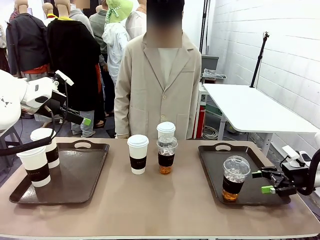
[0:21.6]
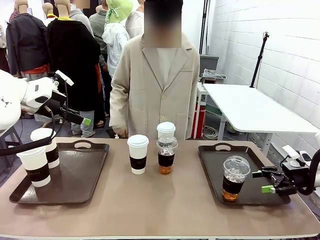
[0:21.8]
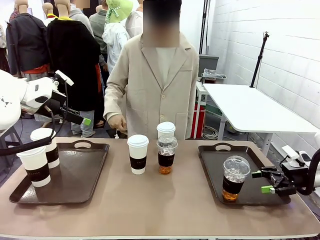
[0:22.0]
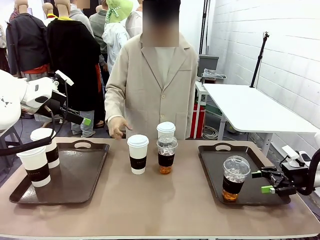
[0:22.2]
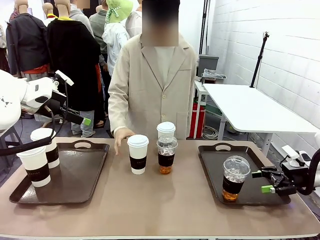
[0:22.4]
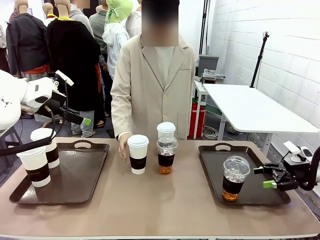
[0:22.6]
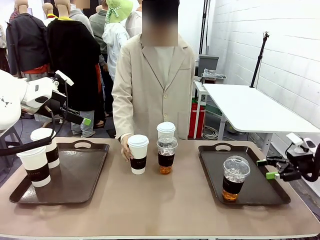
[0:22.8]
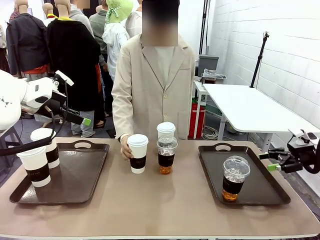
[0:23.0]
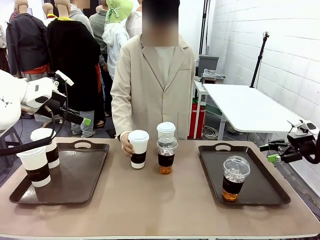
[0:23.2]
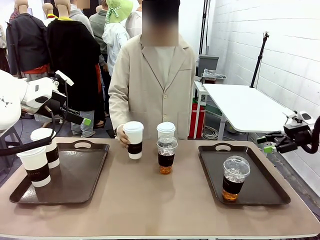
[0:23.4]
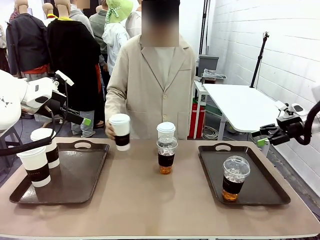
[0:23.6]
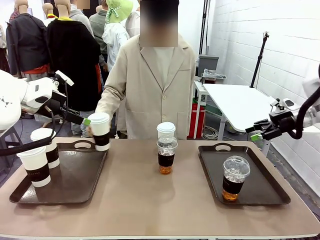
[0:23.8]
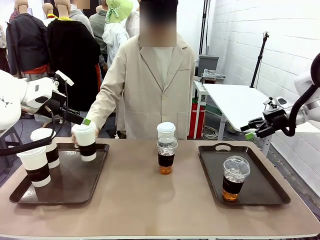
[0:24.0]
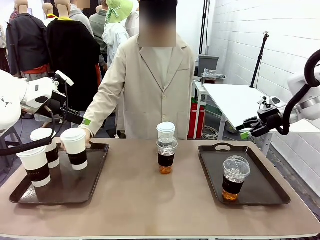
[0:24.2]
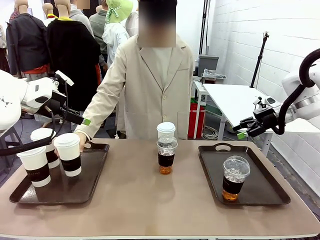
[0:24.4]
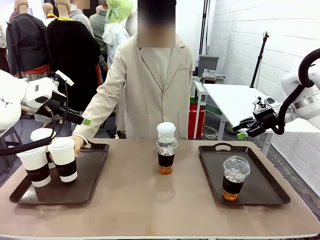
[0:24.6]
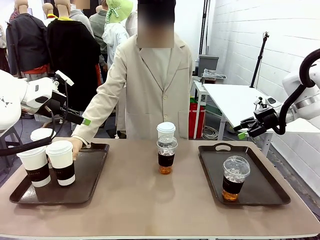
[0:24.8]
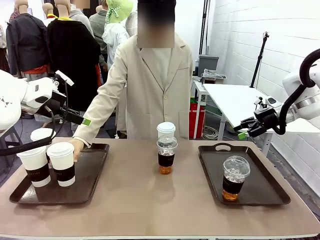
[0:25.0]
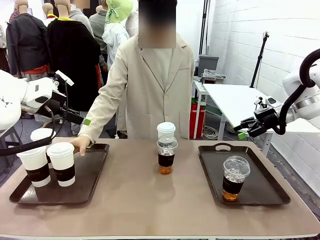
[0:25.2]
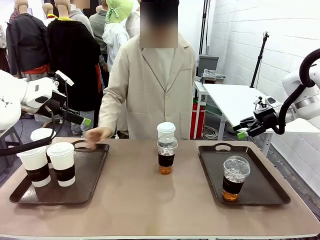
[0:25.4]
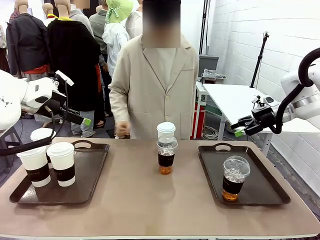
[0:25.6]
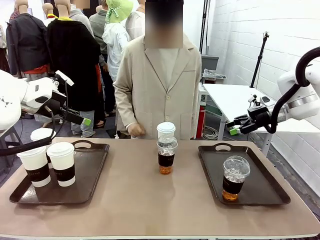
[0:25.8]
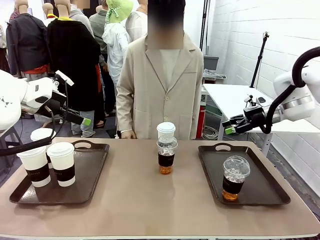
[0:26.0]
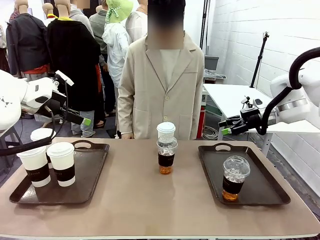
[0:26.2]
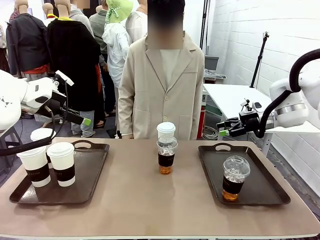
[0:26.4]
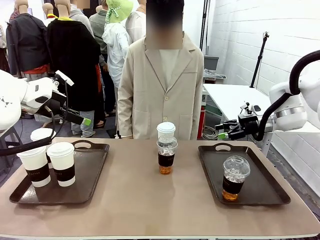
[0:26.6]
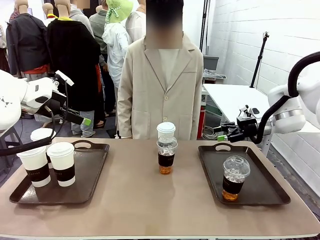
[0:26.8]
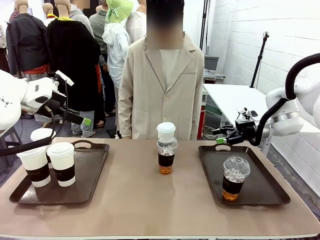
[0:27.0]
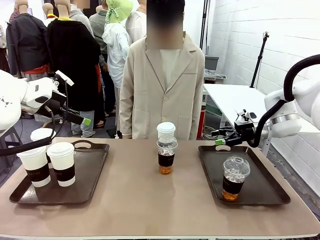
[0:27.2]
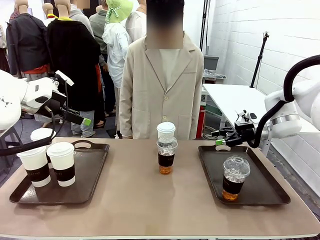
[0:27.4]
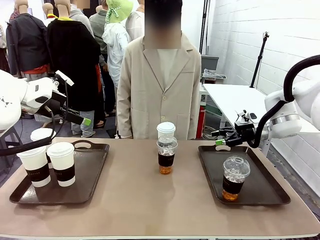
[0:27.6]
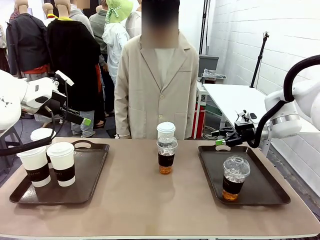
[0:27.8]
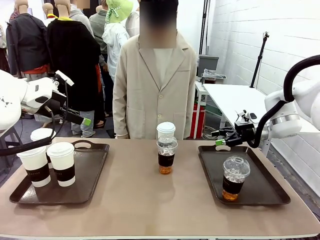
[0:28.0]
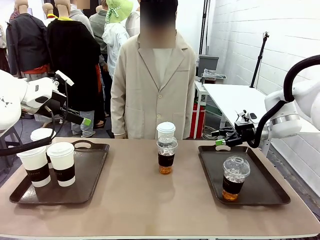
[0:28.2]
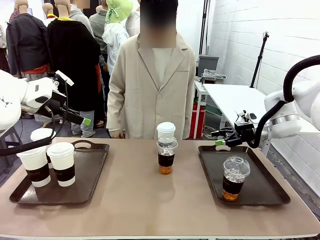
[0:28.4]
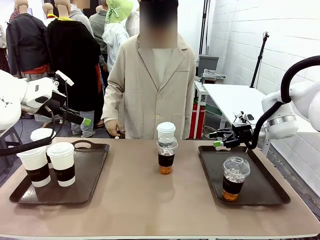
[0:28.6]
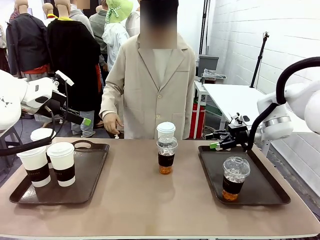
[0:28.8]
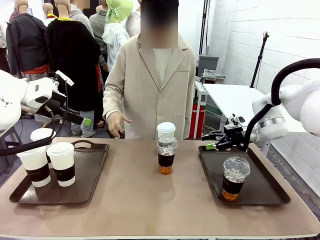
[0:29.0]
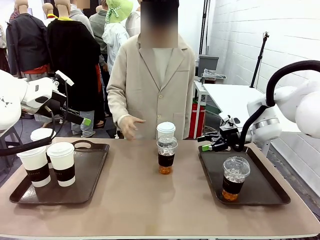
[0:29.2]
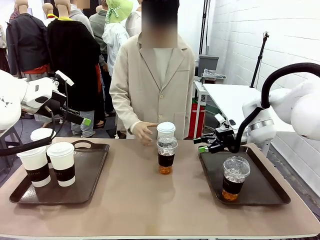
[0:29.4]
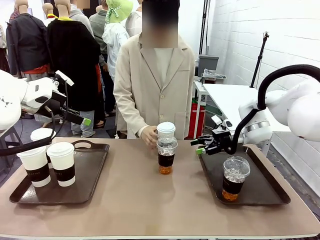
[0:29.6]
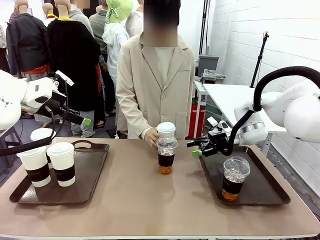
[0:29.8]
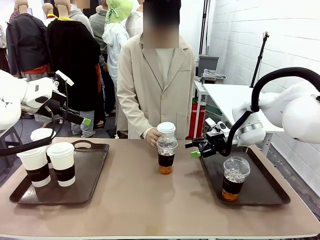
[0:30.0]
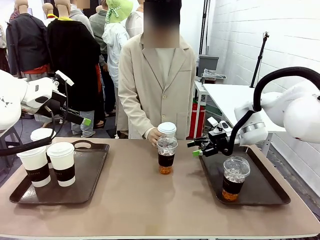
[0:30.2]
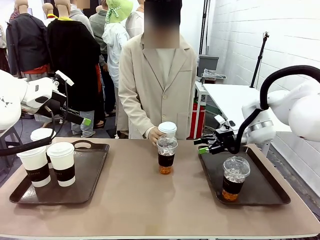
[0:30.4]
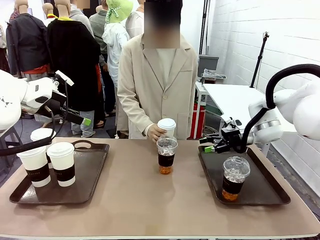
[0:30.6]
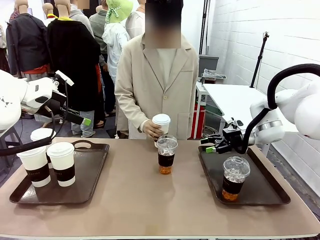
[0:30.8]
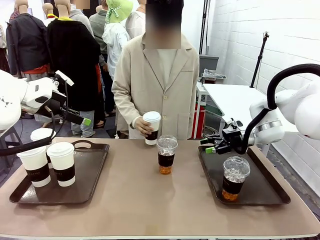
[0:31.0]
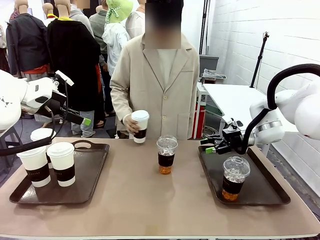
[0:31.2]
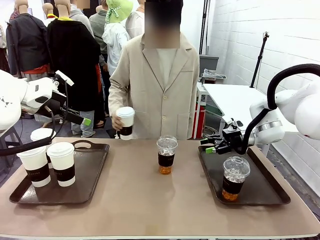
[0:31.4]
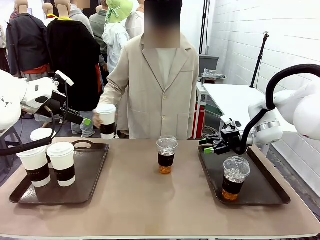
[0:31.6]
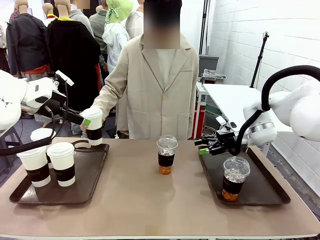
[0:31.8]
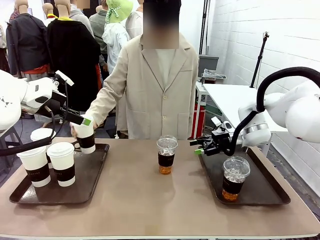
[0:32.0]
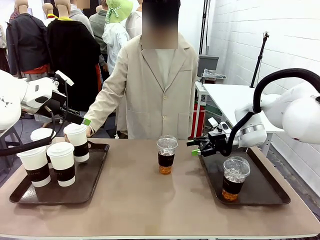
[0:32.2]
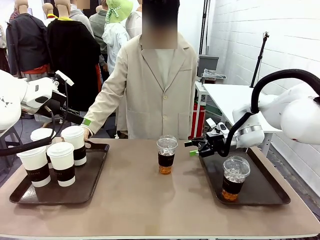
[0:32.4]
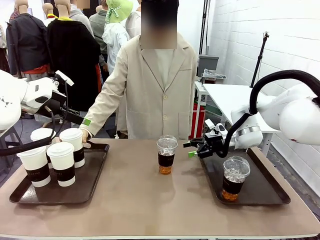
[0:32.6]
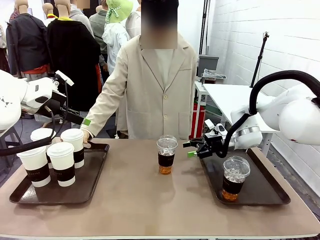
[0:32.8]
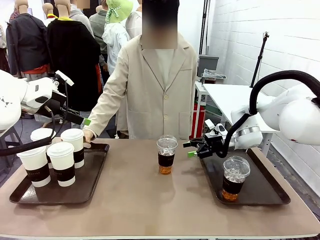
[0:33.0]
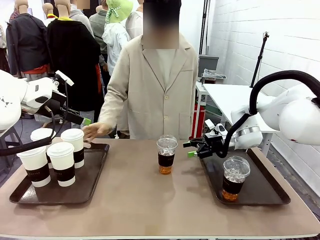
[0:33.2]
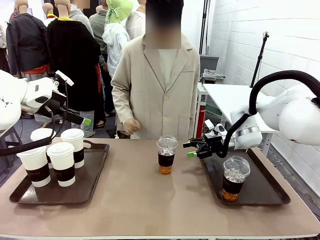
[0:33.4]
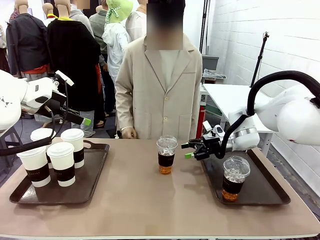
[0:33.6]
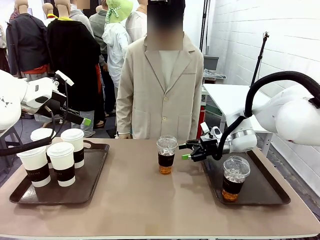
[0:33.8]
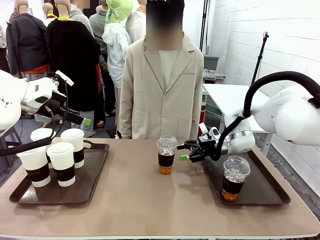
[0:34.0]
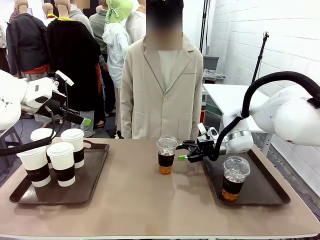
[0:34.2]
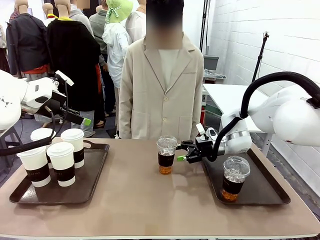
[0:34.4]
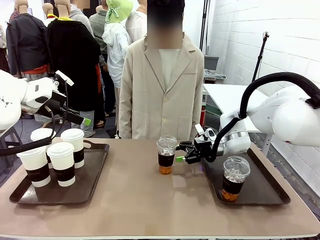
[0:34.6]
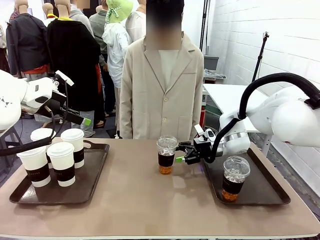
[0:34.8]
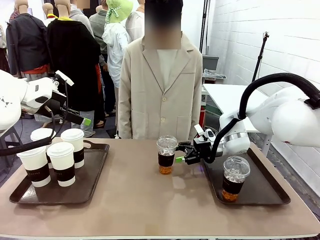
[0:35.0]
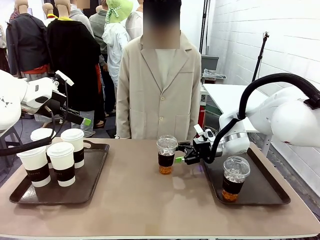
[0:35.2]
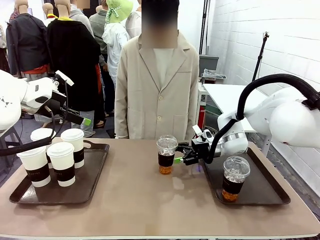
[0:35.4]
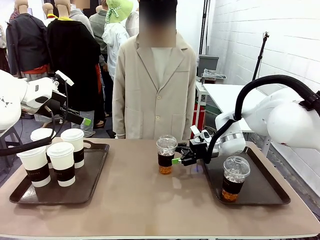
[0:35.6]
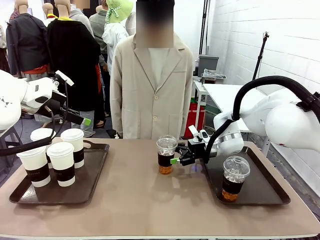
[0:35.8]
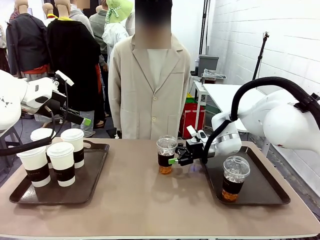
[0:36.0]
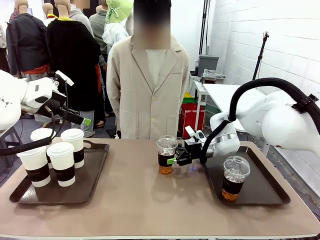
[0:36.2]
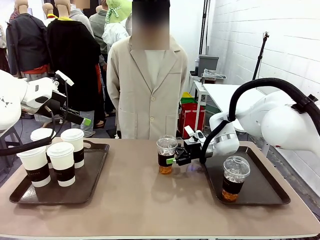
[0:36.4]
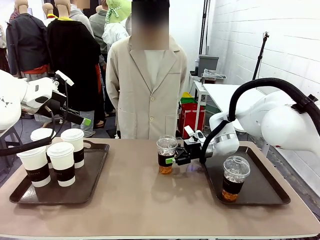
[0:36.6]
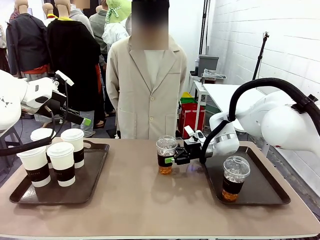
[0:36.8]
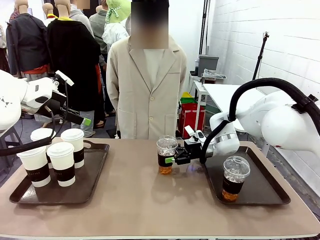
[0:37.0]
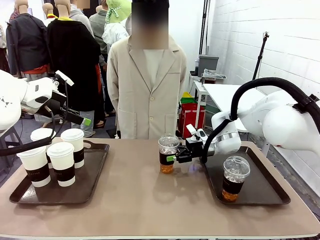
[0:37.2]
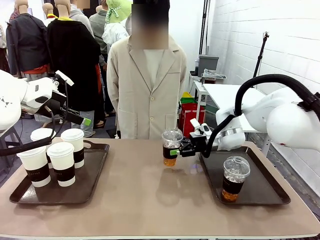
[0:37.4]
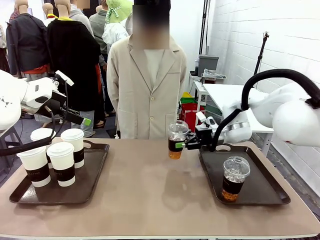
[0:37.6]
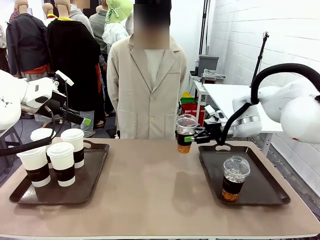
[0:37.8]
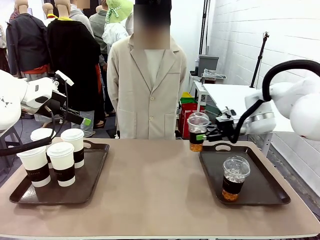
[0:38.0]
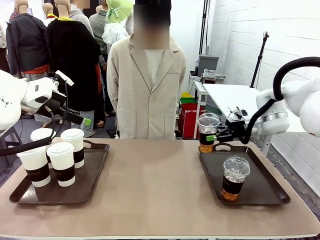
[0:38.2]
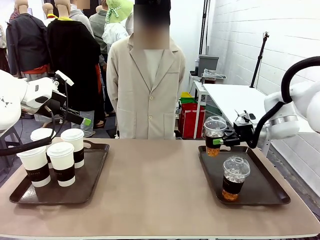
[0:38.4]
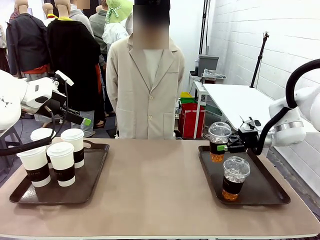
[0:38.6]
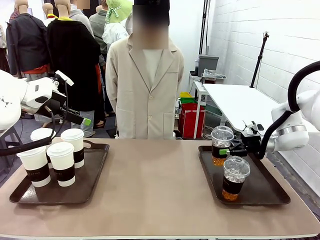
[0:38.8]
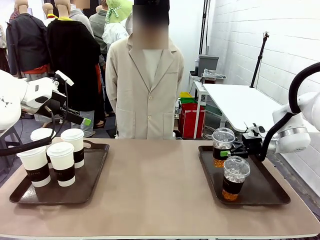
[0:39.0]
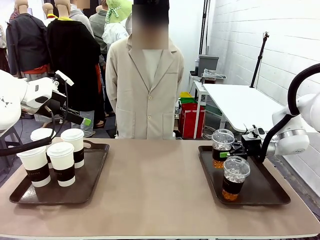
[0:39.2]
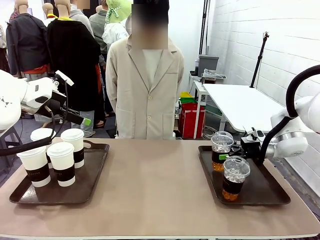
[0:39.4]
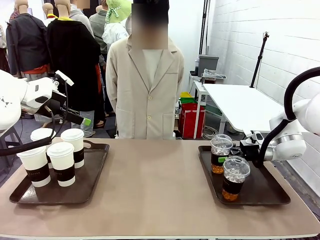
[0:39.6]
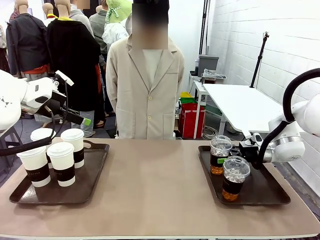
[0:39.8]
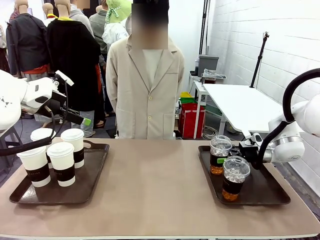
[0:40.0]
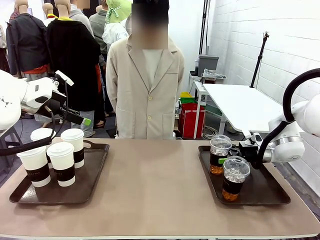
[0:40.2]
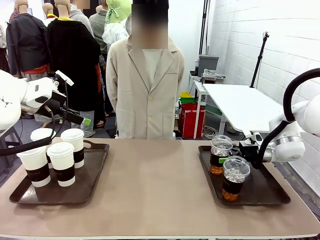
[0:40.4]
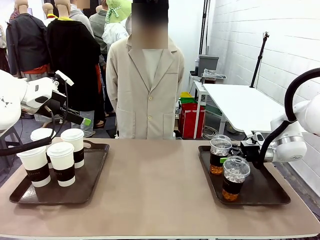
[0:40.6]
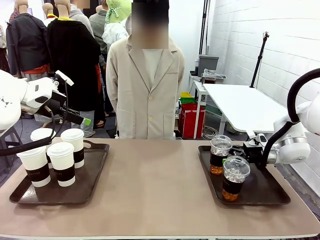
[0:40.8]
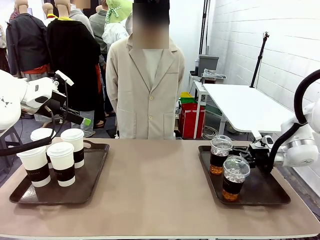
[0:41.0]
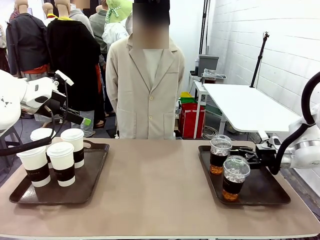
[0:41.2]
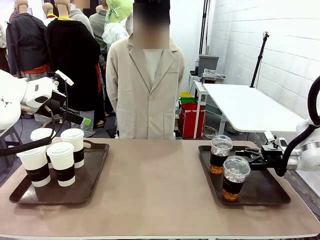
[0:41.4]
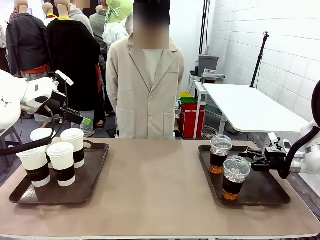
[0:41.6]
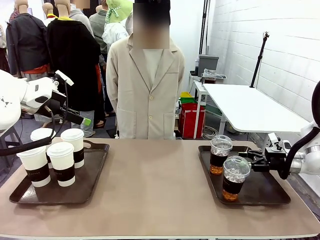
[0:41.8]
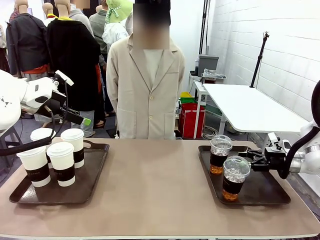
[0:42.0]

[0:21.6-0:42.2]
Task: Distribute the coffee onto the tray.
Robot: Pick up another iced Americano from the middle of the table and place it on the right Handle tray.
Person: Pick up a cup of hot Americano from the middle of the table and place it on the right tray.
